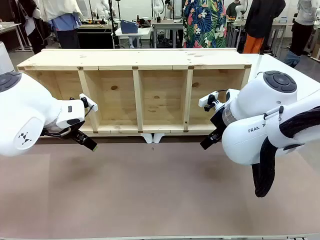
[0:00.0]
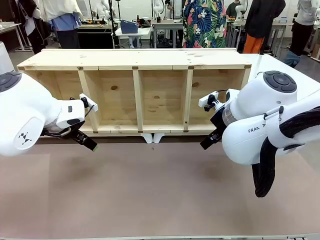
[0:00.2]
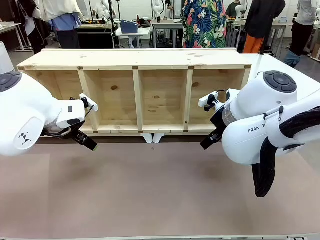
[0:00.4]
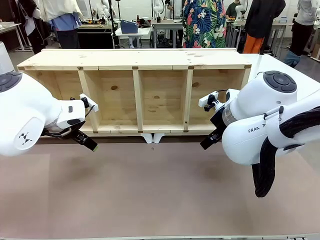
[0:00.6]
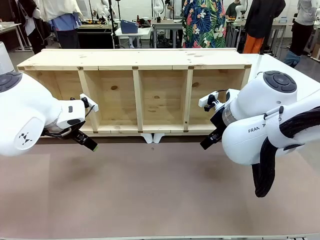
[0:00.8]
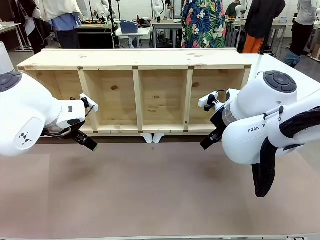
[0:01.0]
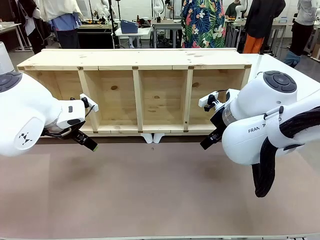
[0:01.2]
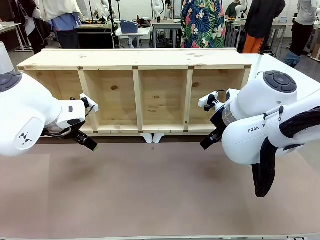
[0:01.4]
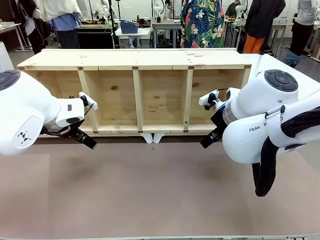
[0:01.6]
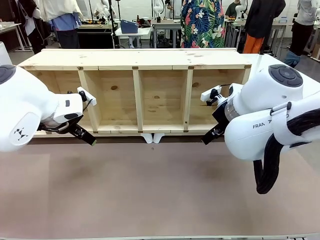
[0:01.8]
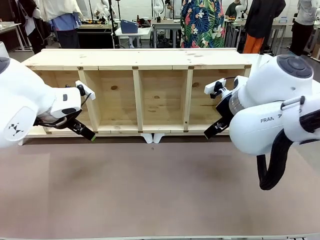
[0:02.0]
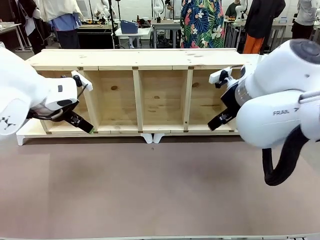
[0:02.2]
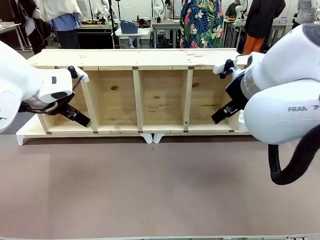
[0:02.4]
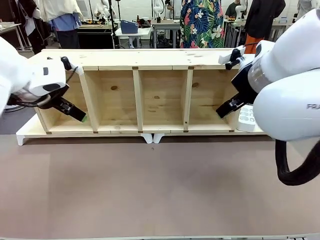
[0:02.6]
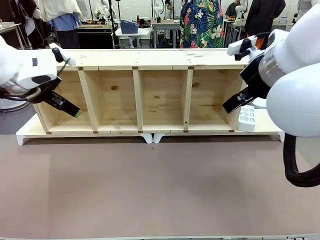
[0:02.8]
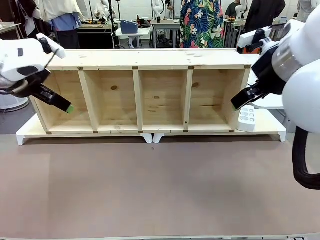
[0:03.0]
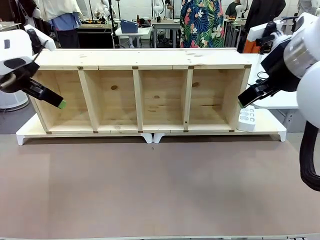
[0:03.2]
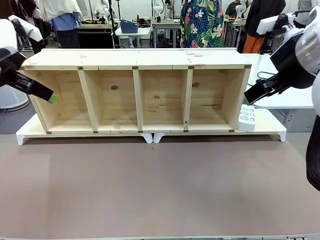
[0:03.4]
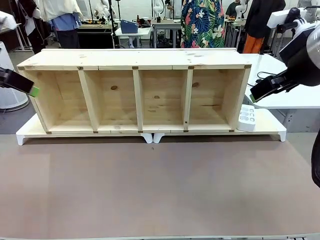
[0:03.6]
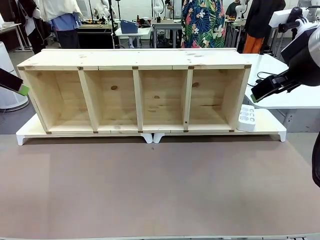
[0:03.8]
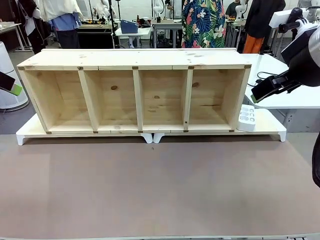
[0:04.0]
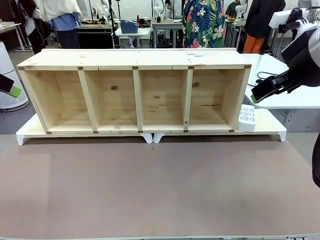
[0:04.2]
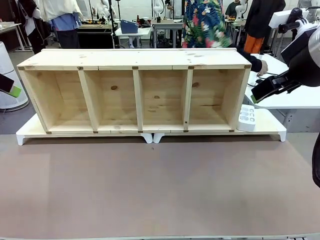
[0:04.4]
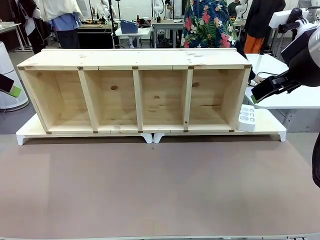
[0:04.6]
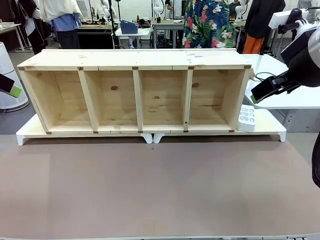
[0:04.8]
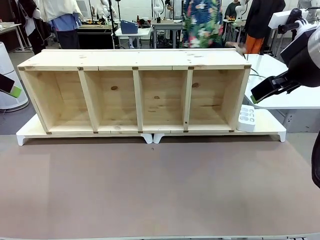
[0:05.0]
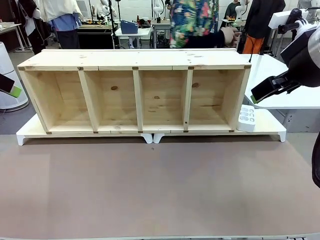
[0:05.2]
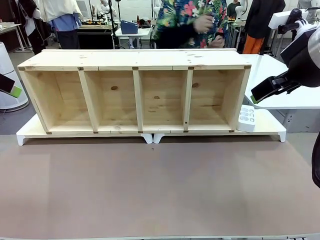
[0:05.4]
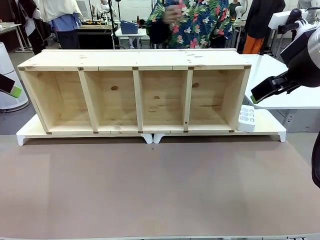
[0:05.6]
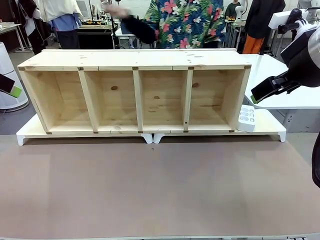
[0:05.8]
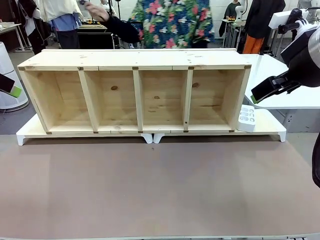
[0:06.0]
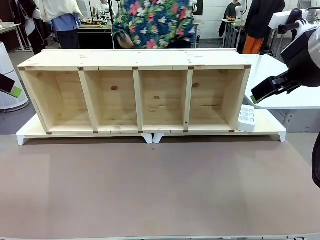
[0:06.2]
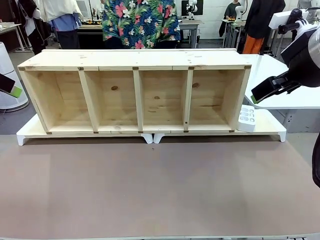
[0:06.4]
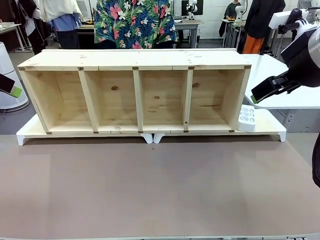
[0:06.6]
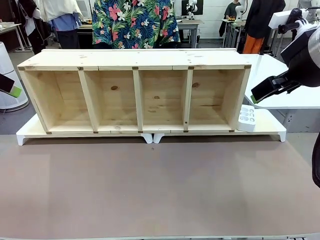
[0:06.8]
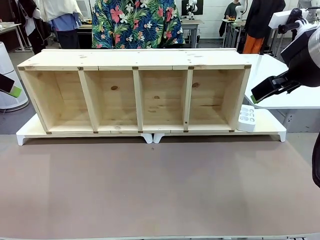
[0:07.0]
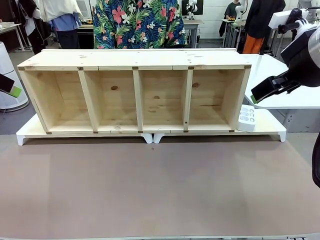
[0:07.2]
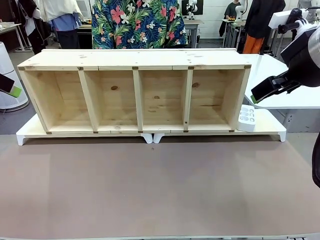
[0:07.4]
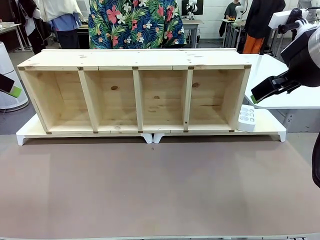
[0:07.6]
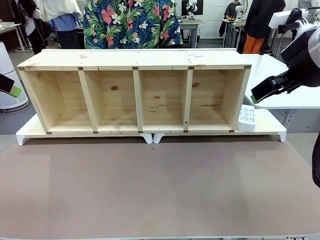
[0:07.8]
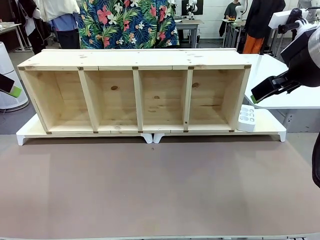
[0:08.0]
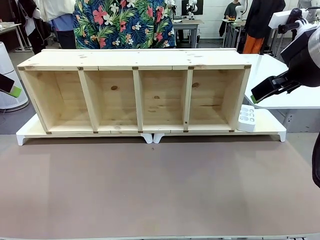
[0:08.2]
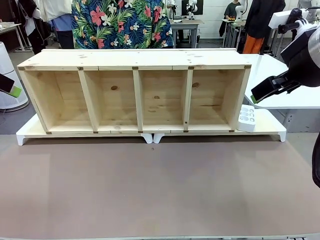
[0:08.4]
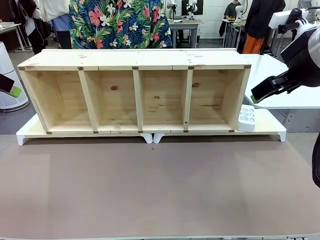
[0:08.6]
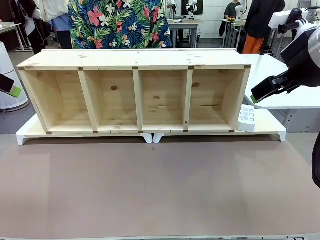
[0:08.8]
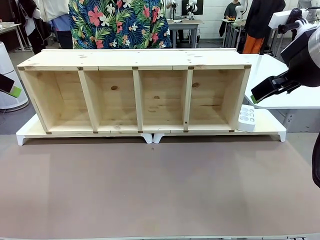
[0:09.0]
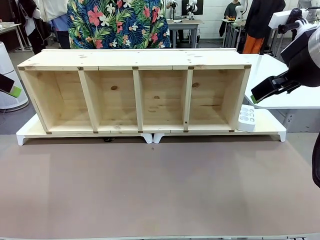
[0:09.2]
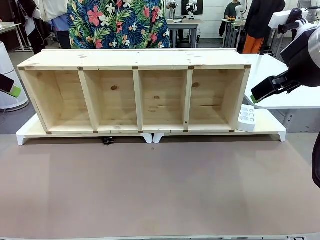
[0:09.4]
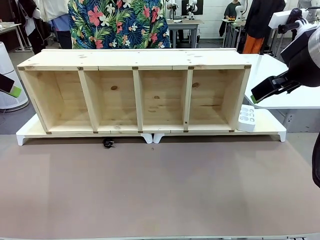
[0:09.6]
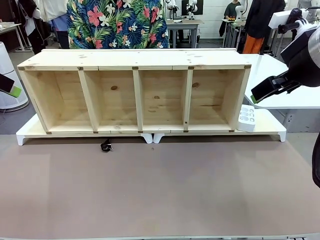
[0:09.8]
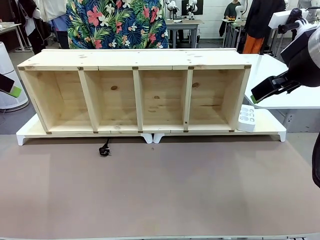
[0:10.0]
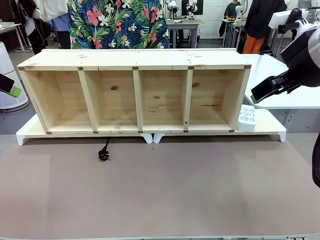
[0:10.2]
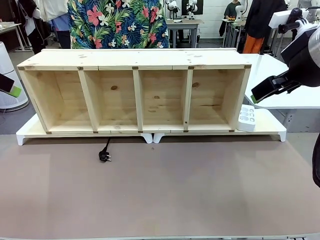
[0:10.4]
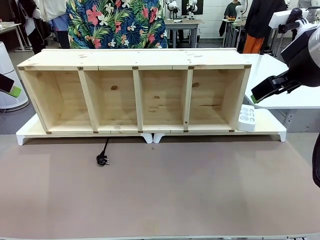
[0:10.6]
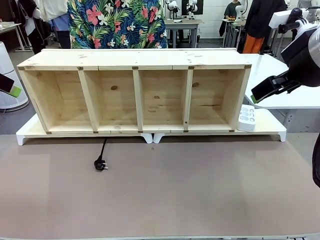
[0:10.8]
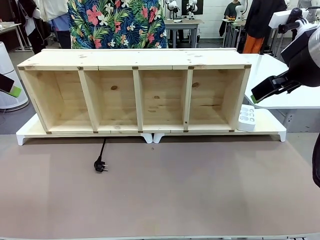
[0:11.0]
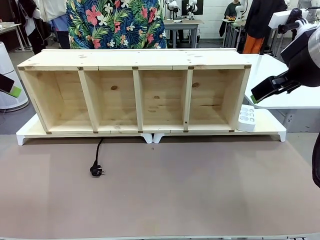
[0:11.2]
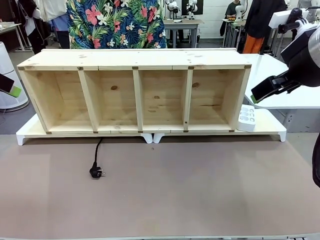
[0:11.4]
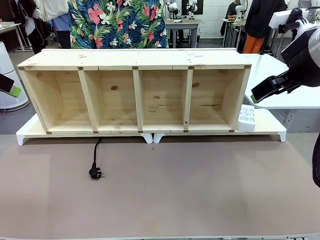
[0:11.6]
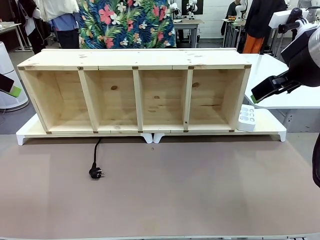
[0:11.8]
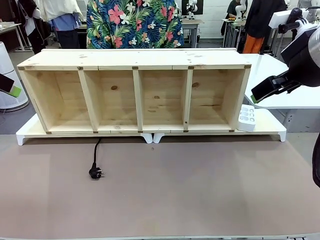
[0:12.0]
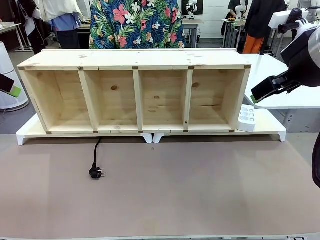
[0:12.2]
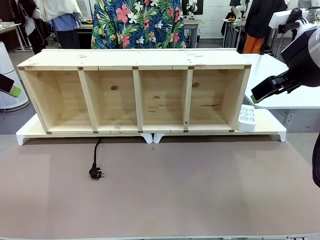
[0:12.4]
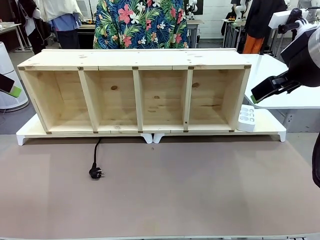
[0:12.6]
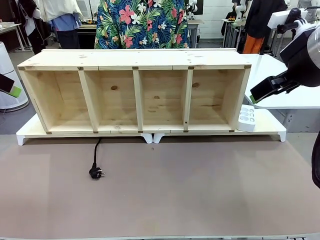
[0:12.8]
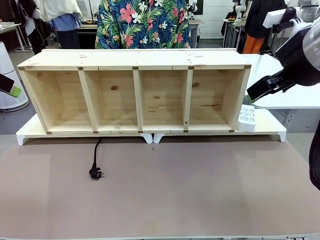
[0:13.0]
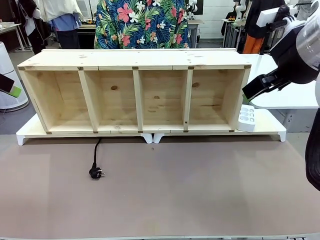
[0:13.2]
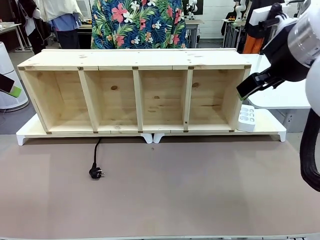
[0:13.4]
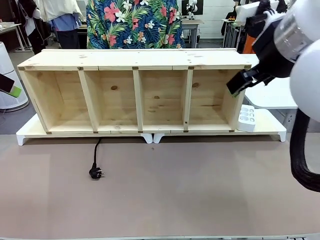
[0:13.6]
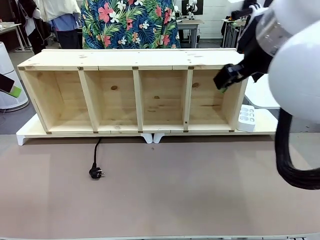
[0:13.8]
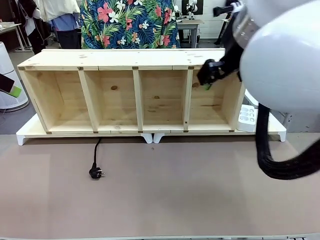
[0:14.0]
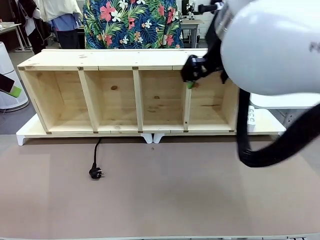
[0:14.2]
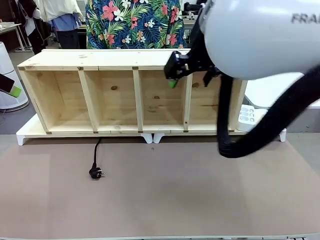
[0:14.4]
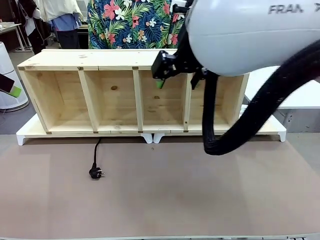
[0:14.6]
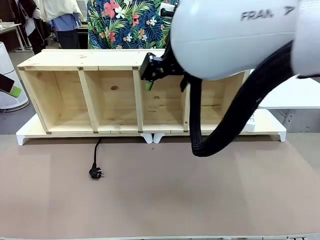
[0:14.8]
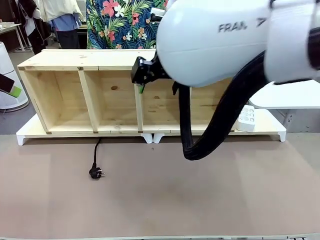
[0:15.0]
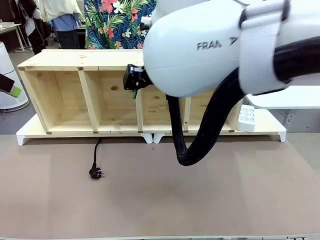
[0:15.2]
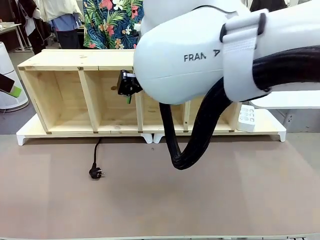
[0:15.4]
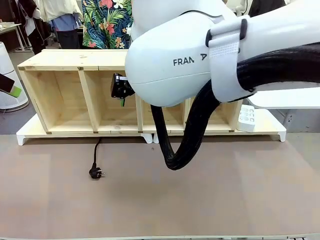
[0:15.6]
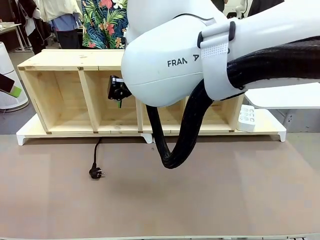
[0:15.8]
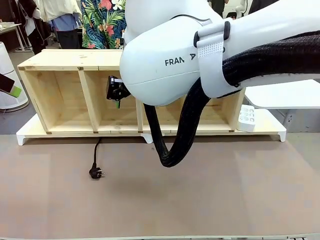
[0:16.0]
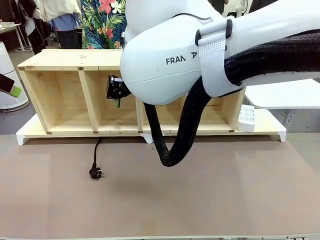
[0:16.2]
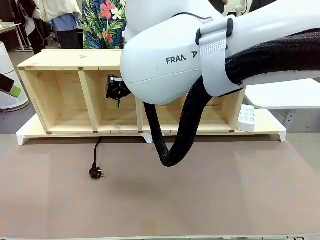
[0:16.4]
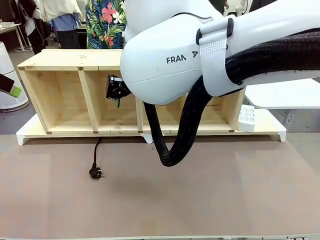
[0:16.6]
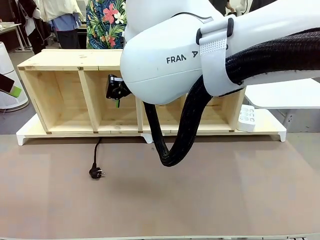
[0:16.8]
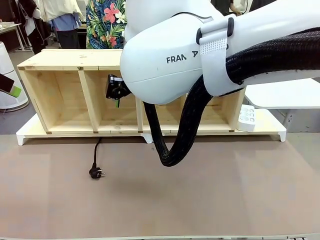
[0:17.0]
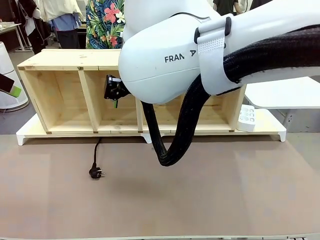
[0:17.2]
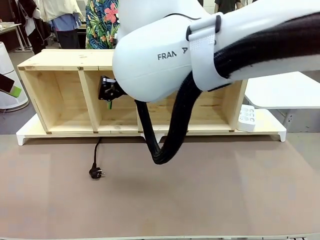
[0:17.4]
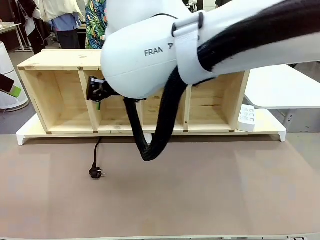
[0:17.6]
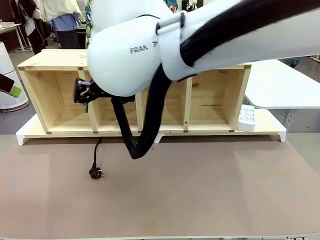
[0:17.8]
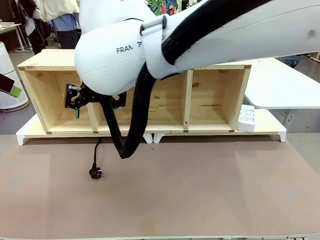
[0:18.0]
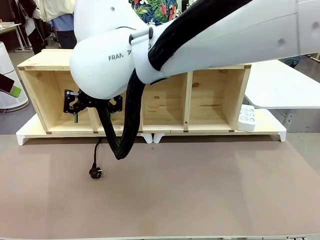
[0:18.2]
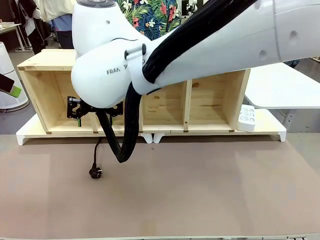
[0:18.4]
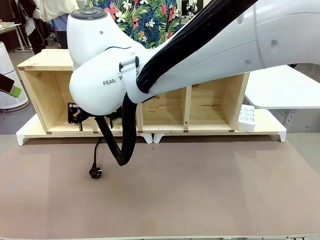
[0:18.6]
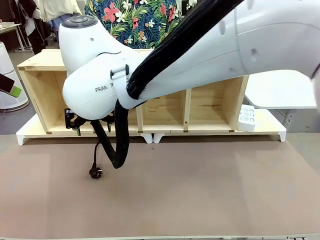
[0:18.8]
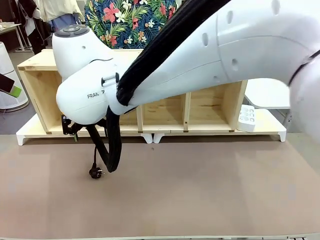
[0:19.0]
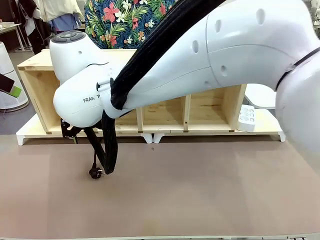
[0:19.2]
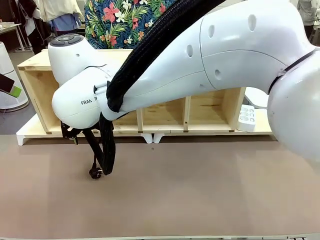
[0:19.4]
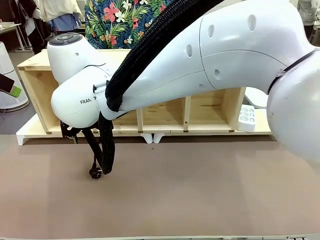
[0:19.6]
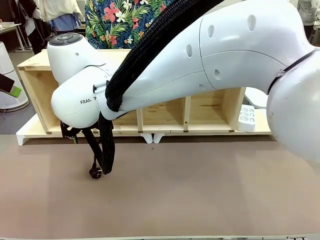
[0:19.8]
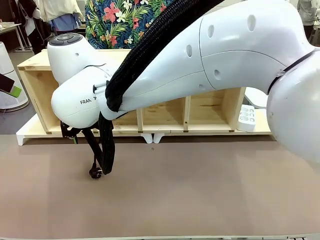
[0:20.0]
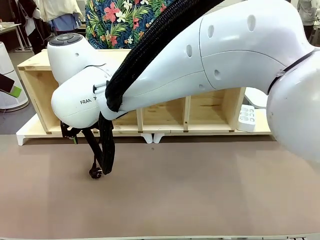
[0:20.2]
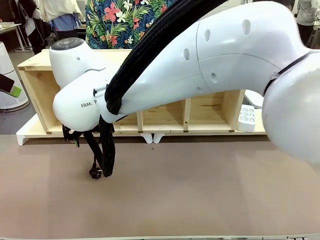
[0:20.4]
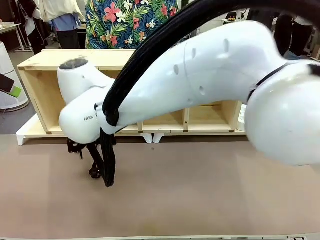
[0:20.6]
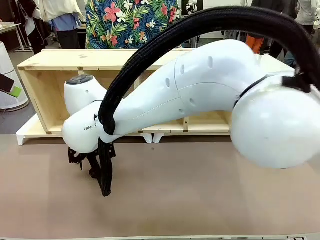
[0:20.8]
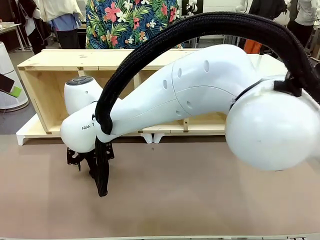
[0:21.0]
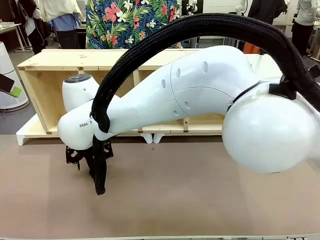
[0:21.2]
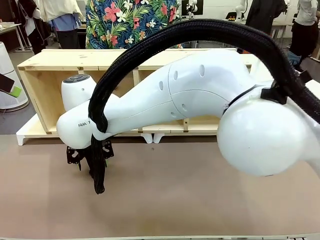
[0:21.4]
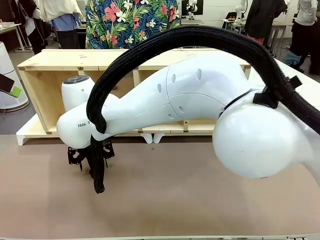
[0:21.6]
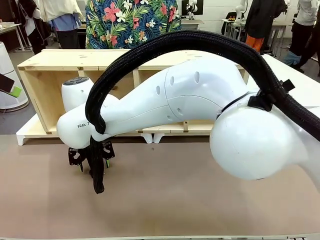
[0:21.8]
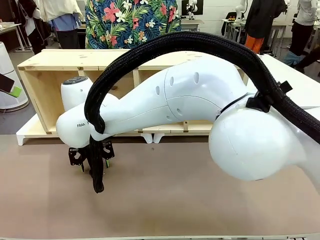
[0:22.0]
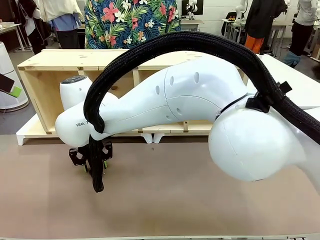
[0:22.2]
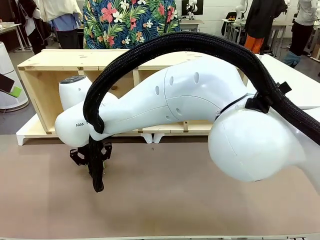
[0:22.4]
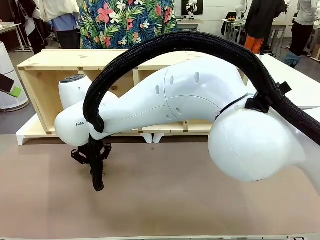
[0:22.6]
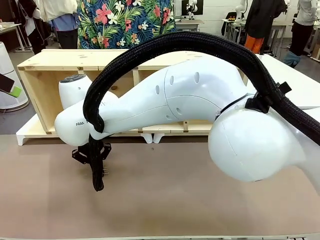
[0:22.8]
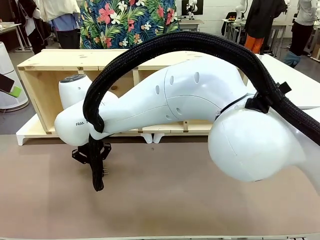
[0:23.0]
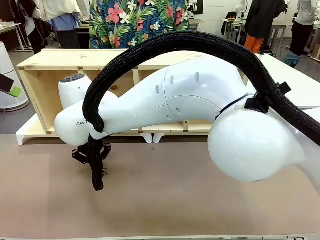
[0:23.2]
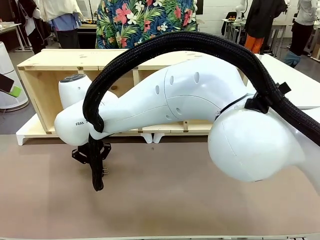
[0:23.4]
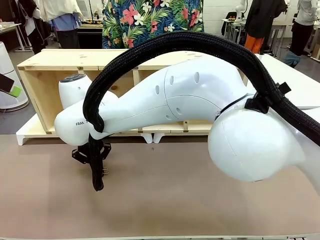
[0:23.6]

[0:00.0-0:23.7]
Task: Perform cable management.
Robot: When the cord part of the Power Cable appears at the lower middle area of the table and stops, grasp the cord part of the Power Cable.
Person: Pass the Power Cable under the Serving Table.
